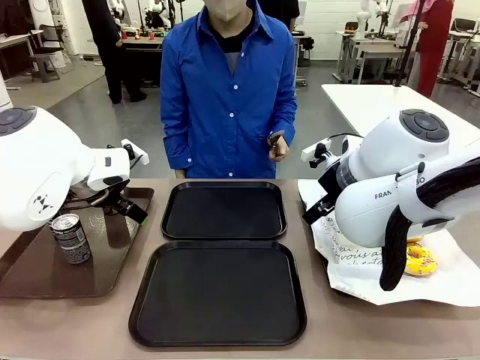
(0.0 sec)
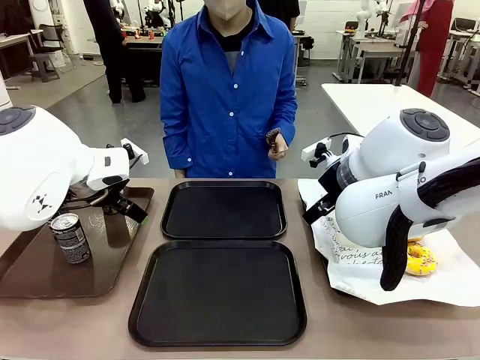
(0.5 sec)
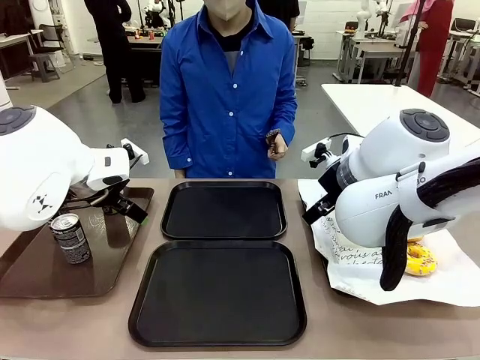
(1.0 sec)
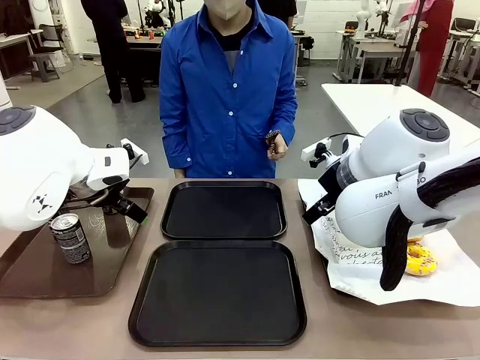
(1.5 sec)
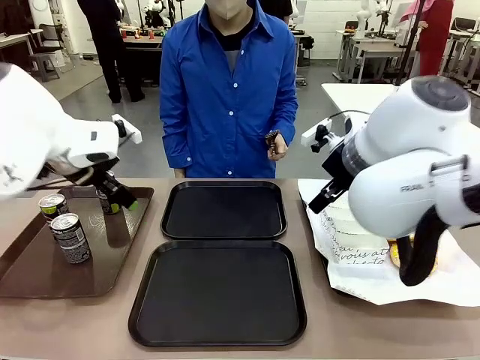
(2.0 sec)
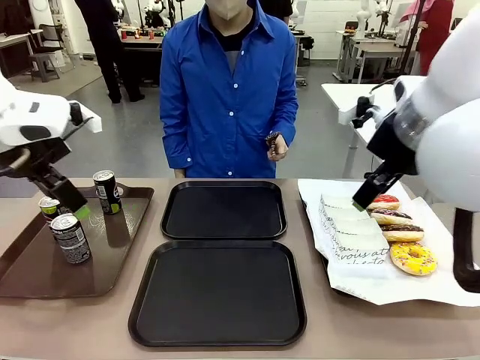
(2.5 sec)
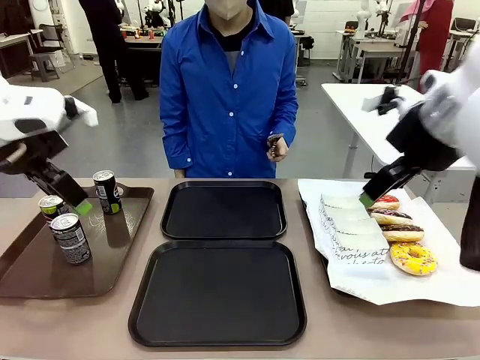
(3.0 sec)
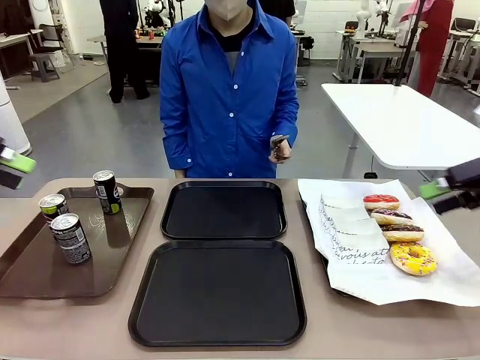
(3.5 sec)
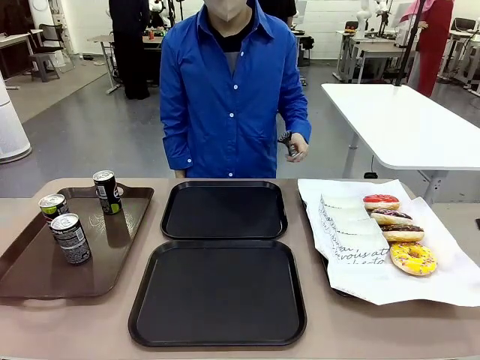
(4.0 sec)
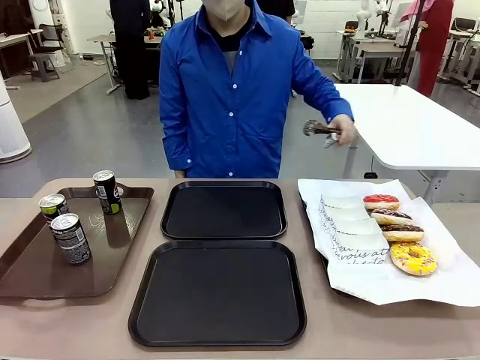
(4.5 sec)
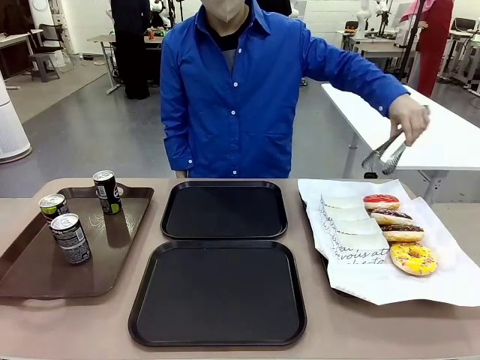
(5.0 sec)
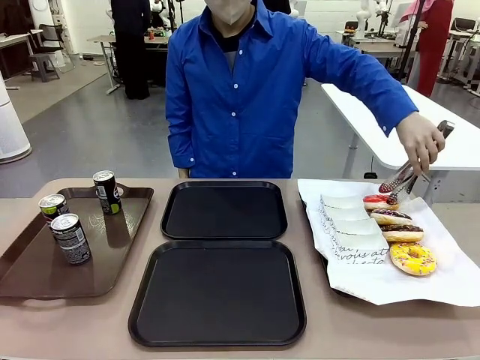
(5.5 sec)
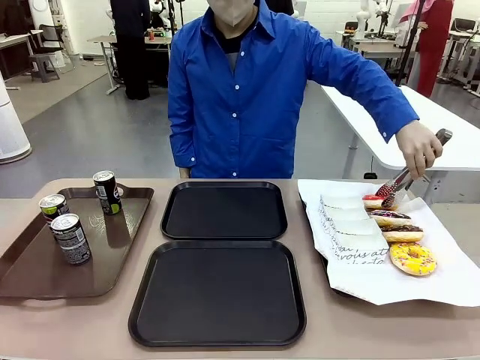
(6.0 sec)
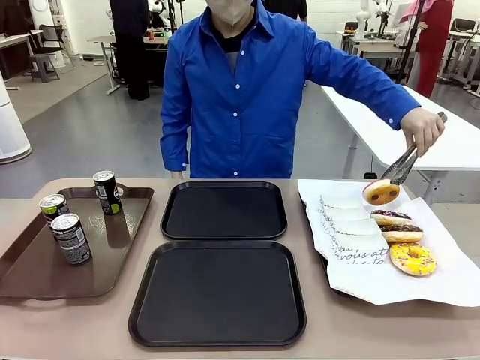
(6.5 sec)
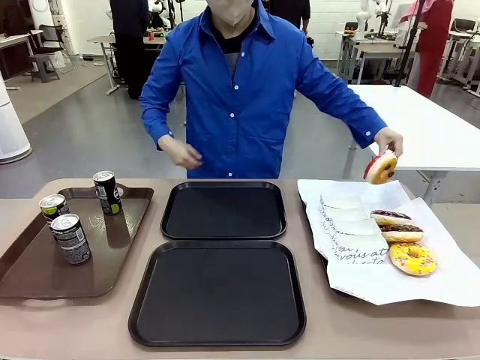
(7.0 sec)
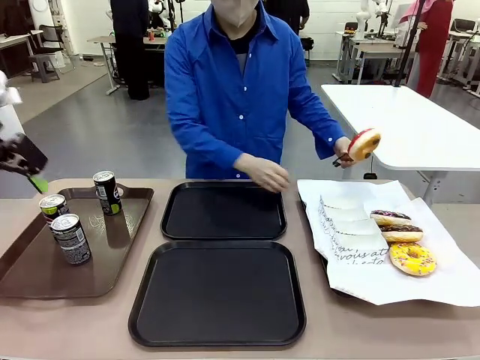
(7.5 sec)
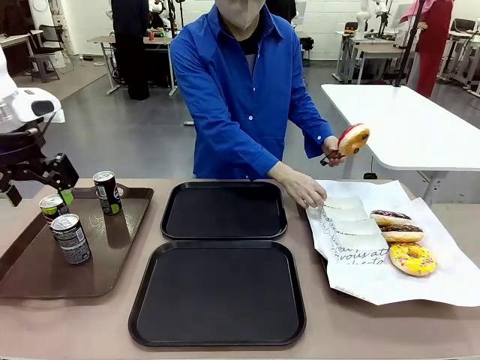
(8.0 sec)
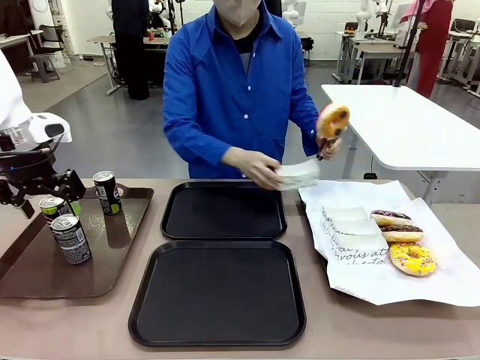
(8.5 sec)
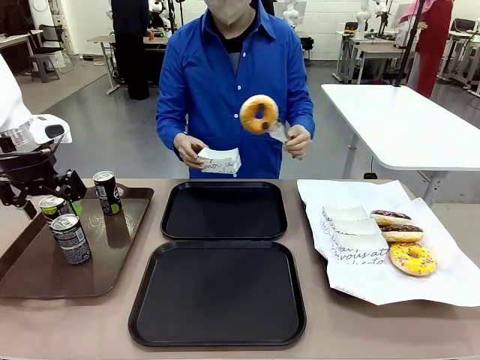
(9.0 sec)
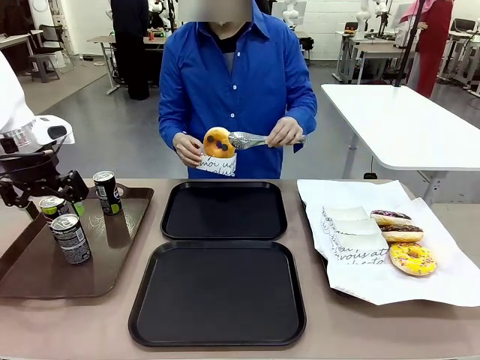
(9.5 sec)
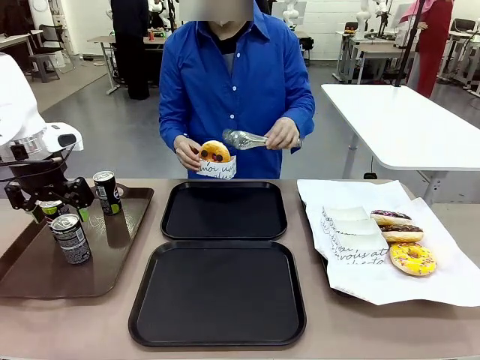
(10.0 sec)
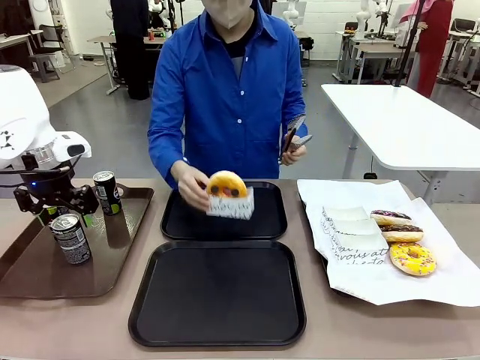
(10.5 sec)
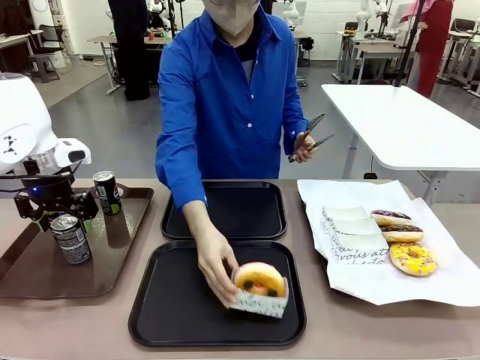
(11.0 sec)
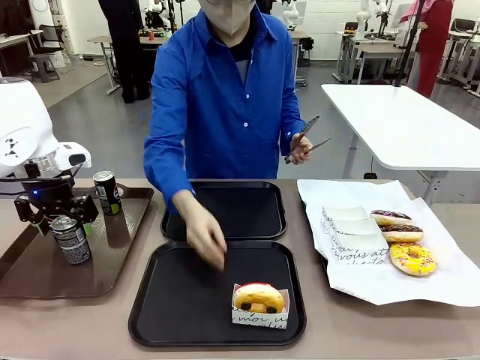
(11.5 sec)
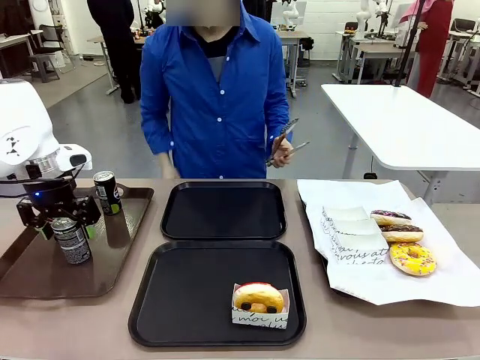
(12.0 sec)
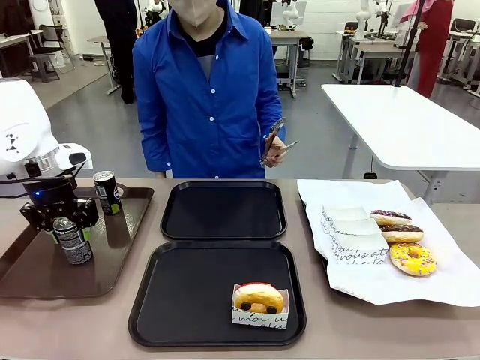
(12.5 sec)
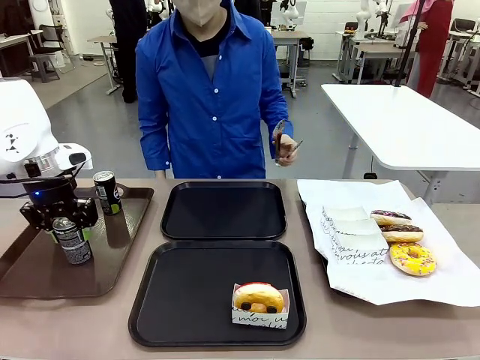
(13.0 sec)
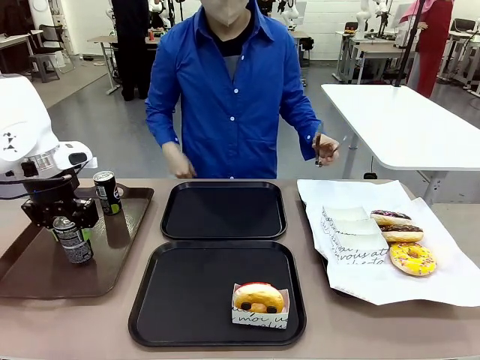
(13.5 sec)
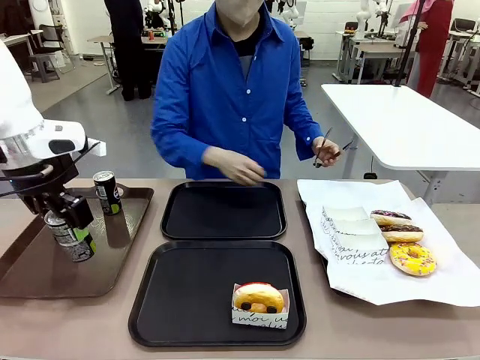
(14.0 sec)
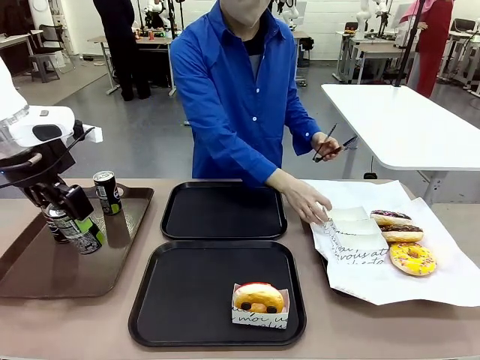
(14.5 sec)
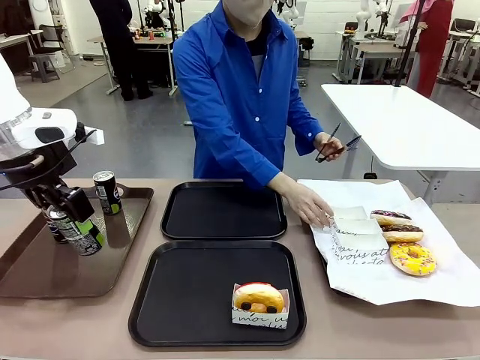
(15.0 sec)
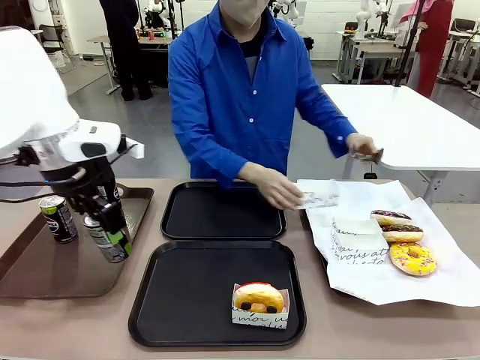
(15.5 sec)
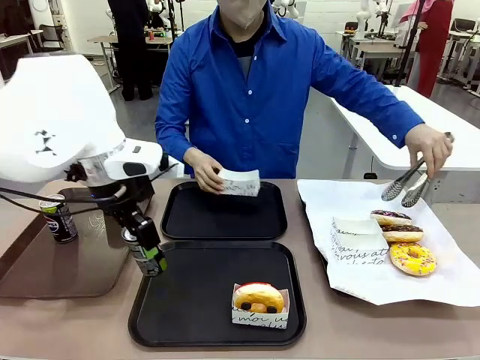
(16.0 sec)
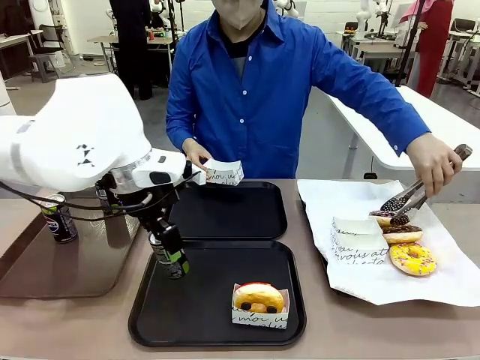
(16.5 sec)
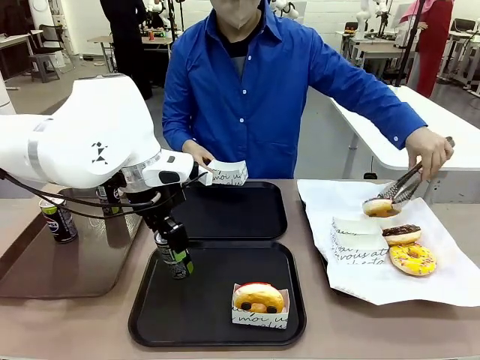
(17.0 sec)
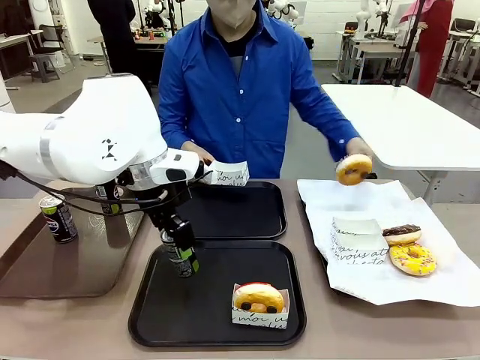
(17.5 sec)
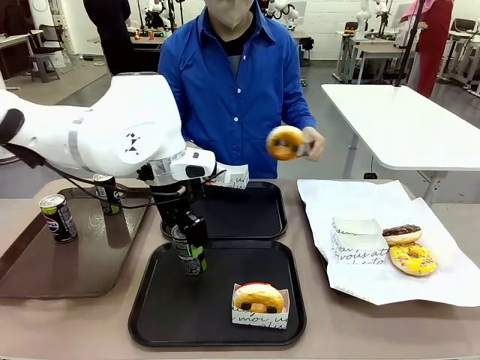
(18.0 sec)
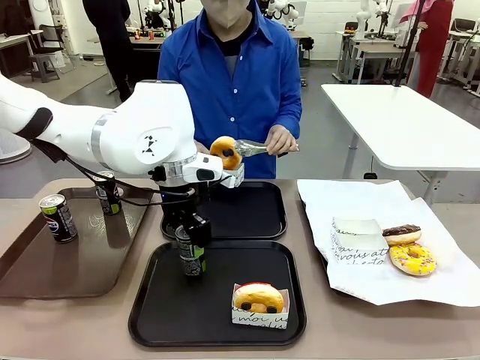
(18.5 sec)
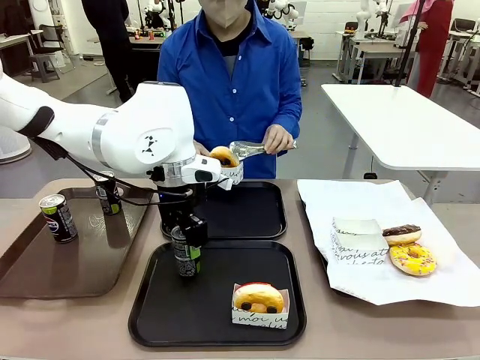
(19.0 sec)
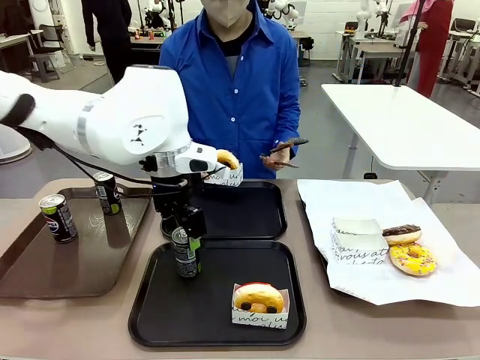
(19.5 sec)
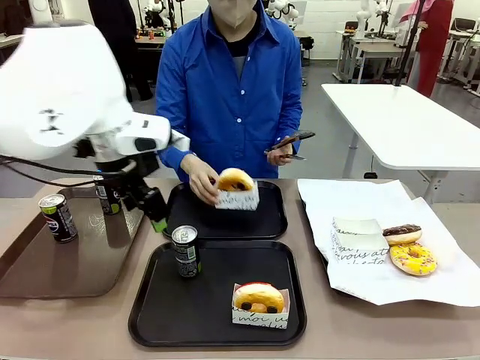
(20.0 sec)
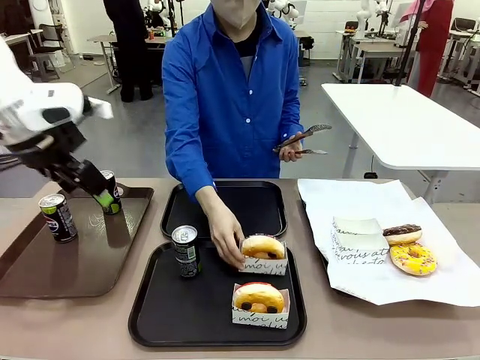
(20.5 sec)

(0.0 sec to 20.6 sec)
Task: Set up donuts and drinks on trays.
Robot: Pick up one Pepsi coke and place it on the Flat Tray.
